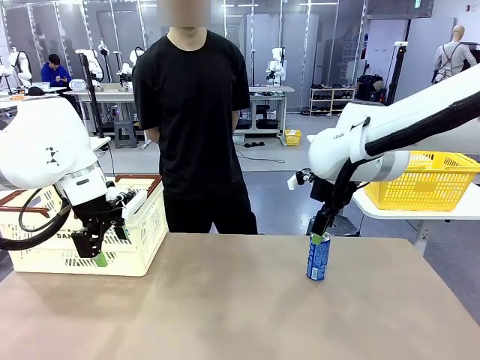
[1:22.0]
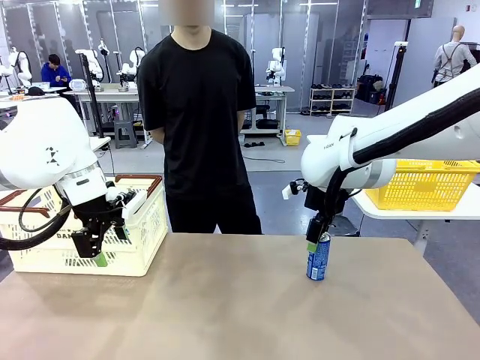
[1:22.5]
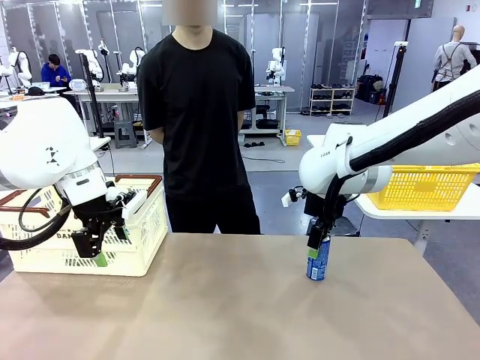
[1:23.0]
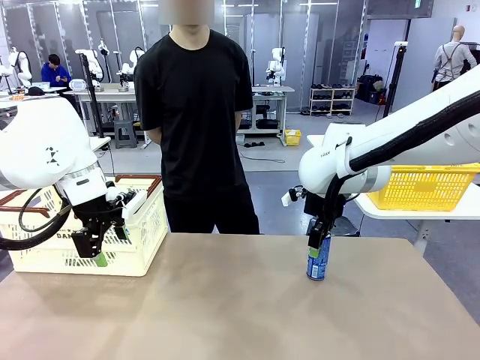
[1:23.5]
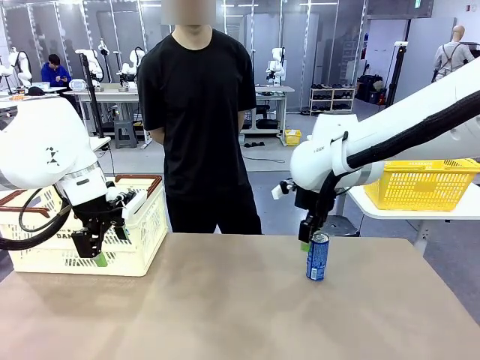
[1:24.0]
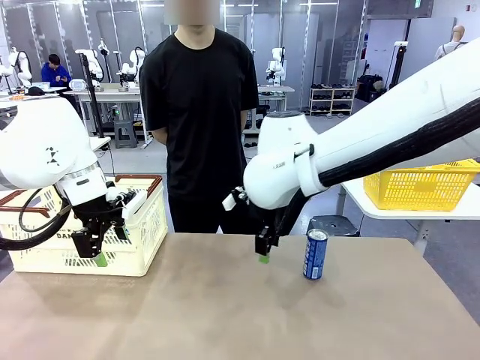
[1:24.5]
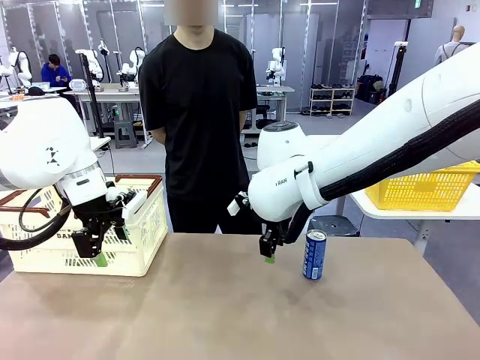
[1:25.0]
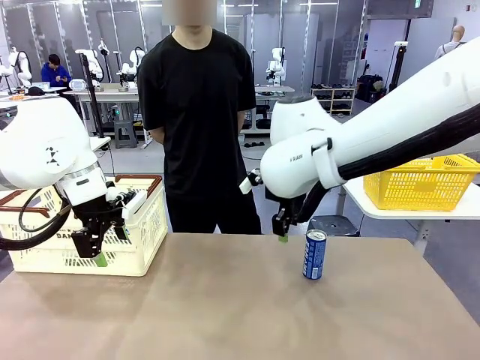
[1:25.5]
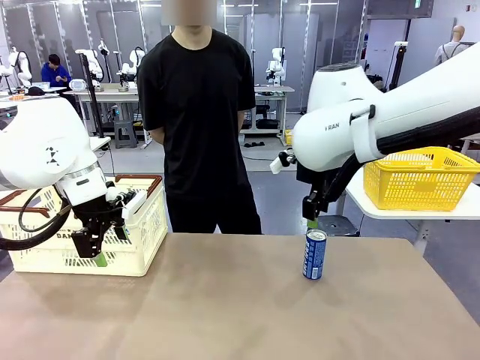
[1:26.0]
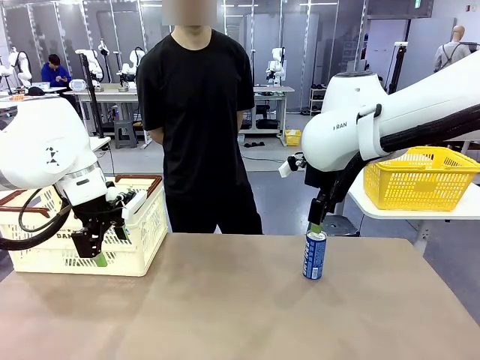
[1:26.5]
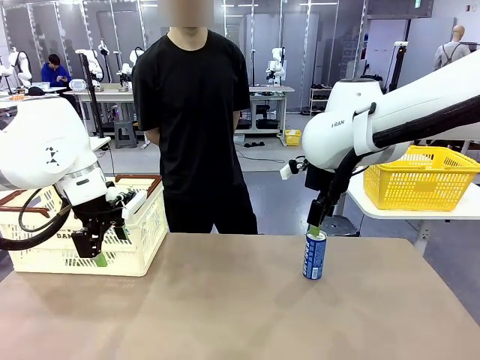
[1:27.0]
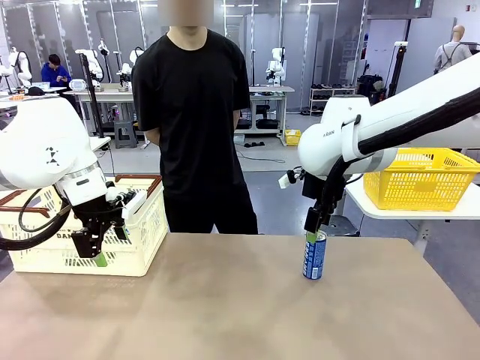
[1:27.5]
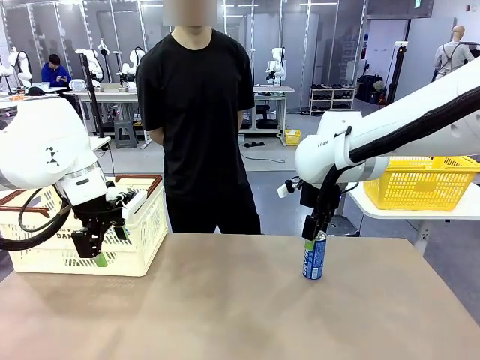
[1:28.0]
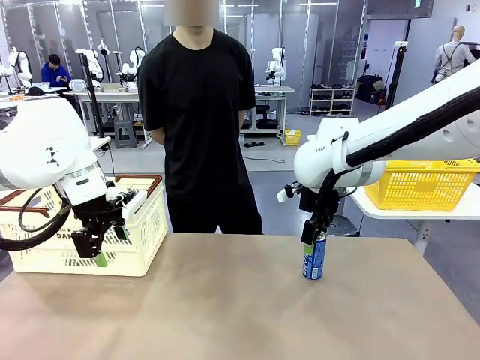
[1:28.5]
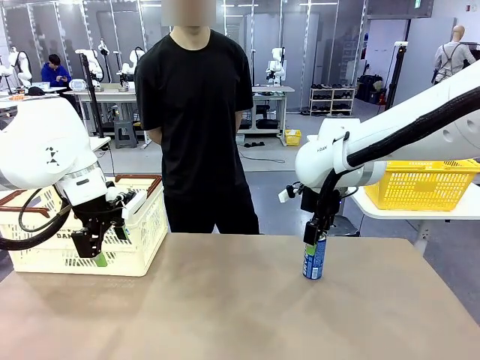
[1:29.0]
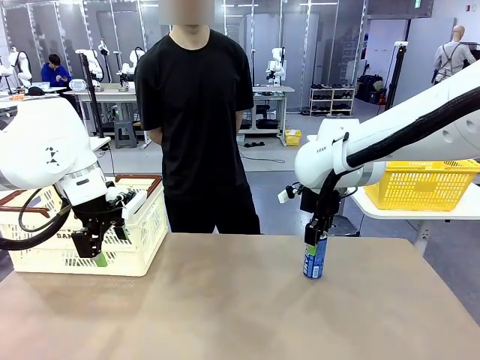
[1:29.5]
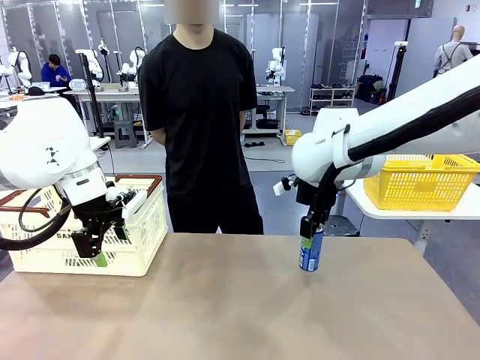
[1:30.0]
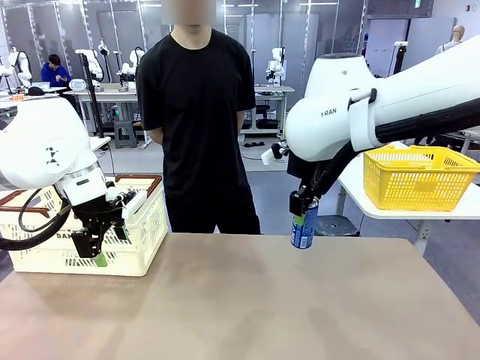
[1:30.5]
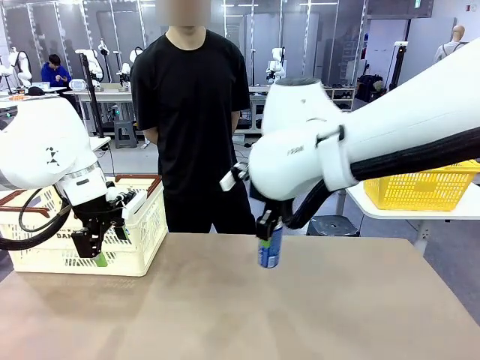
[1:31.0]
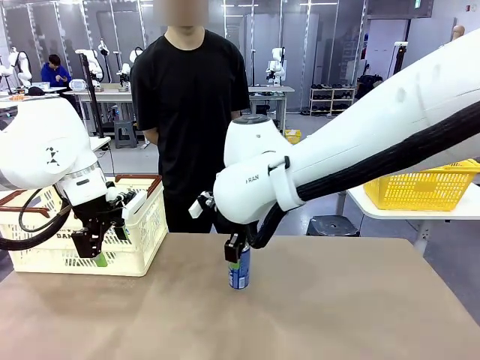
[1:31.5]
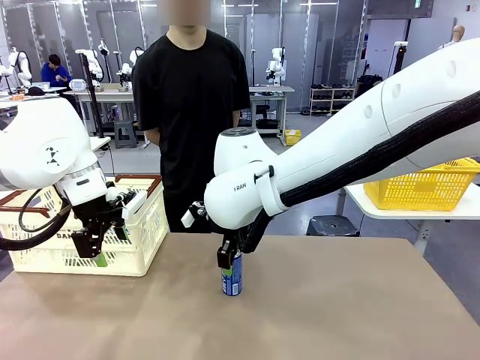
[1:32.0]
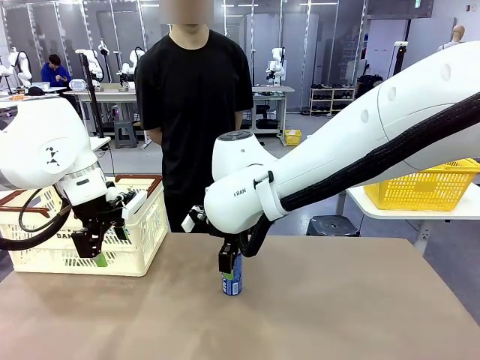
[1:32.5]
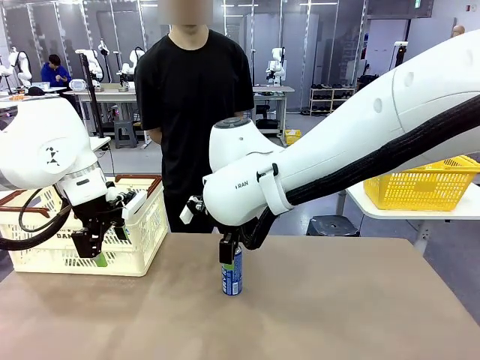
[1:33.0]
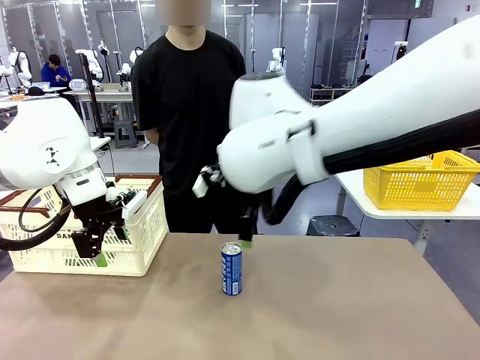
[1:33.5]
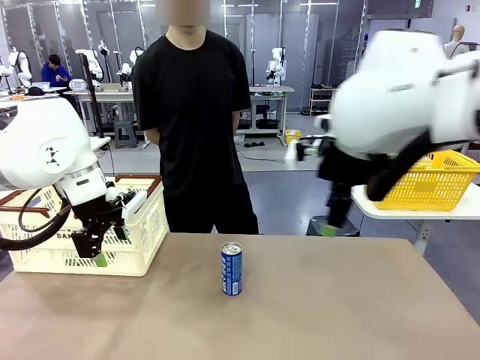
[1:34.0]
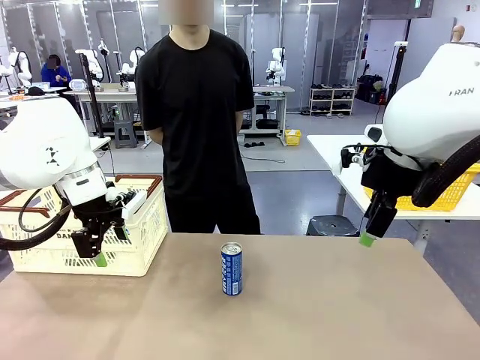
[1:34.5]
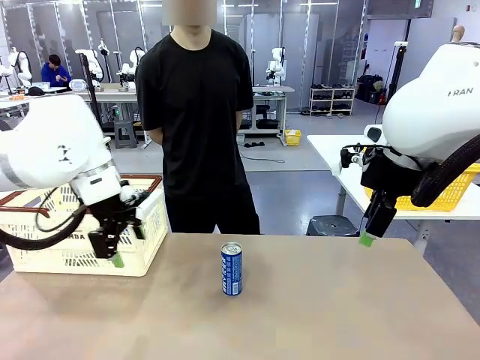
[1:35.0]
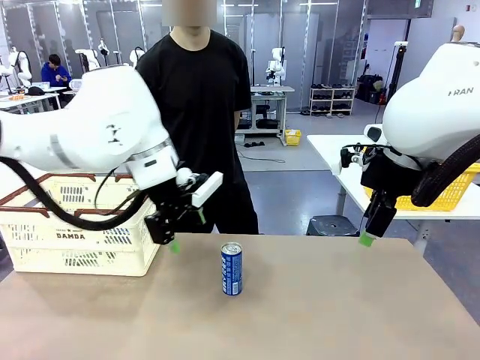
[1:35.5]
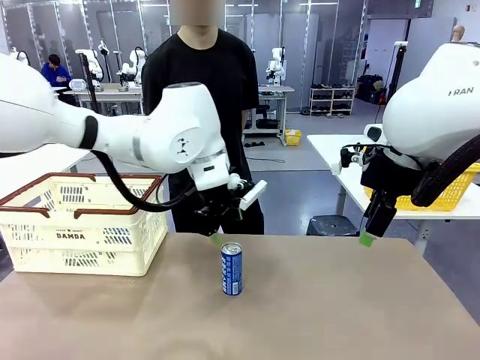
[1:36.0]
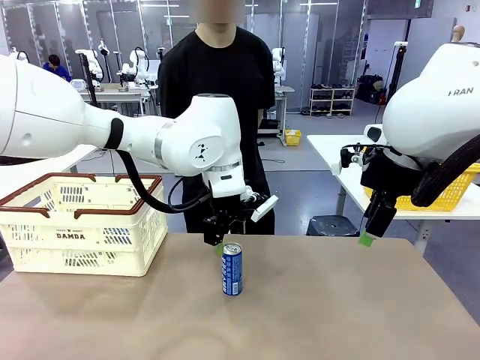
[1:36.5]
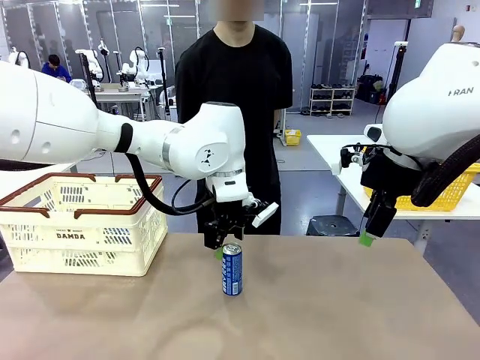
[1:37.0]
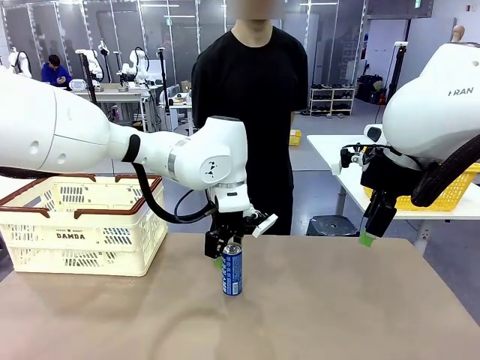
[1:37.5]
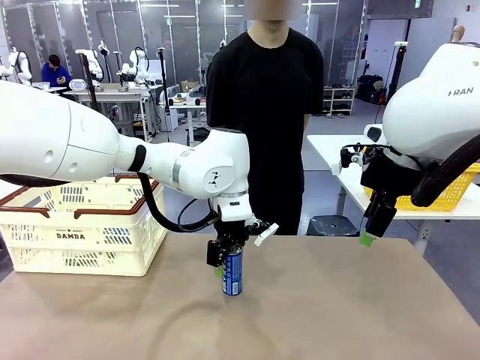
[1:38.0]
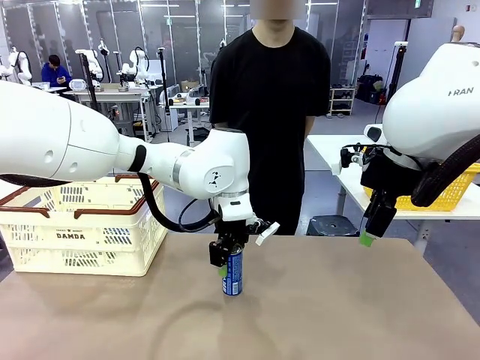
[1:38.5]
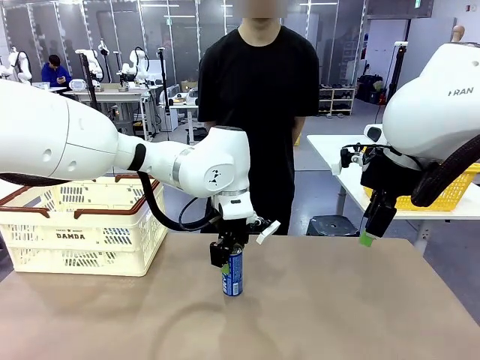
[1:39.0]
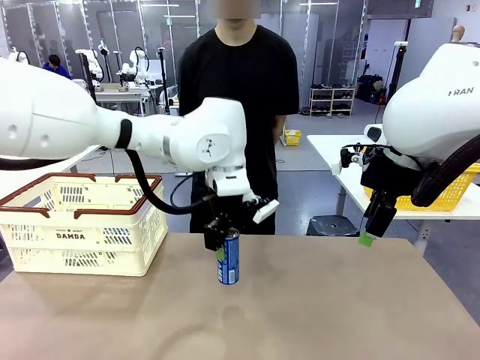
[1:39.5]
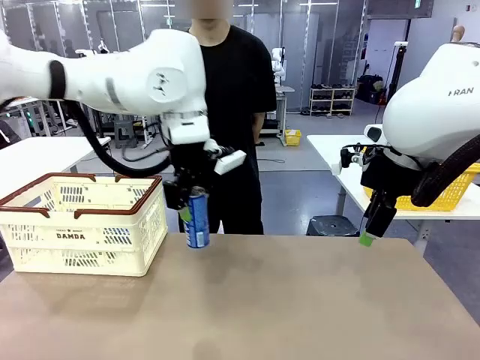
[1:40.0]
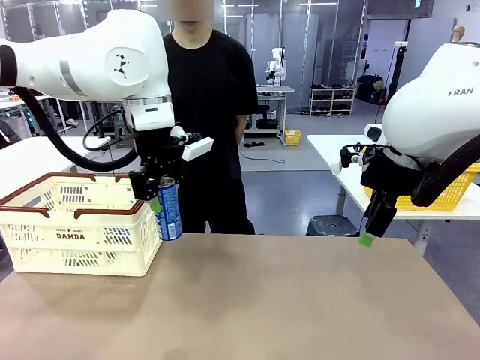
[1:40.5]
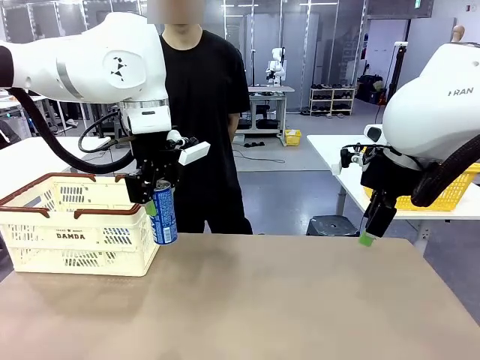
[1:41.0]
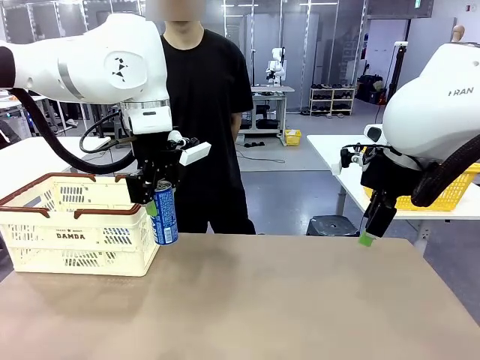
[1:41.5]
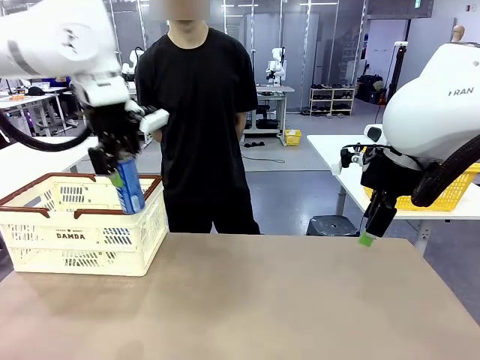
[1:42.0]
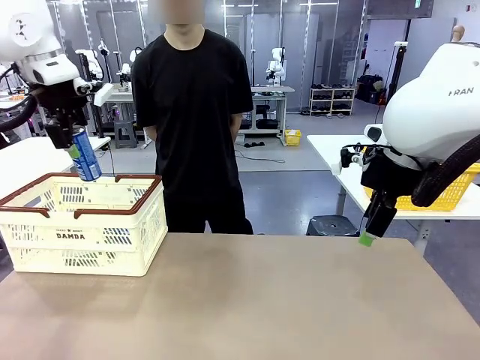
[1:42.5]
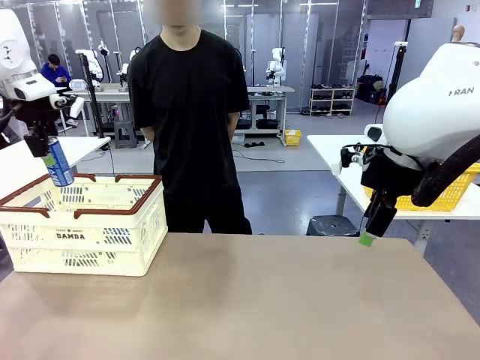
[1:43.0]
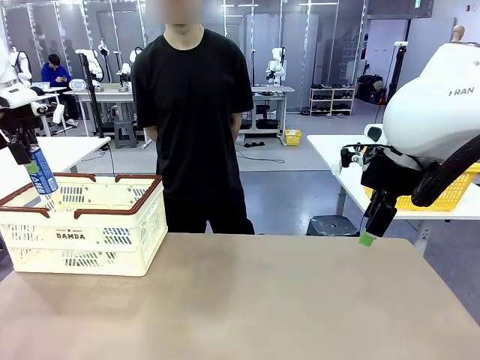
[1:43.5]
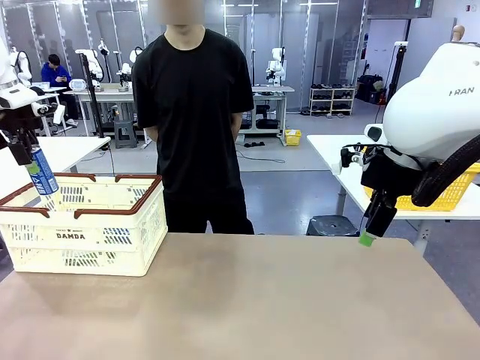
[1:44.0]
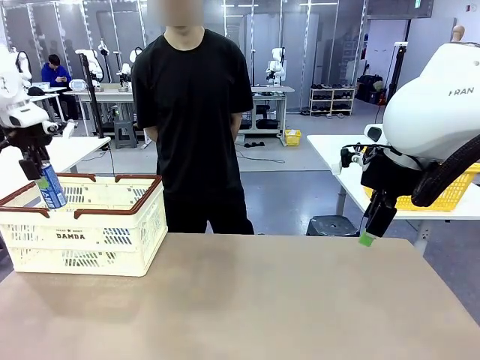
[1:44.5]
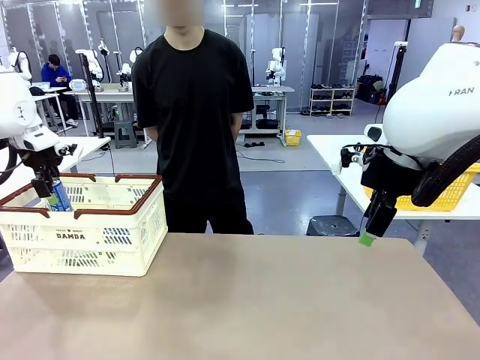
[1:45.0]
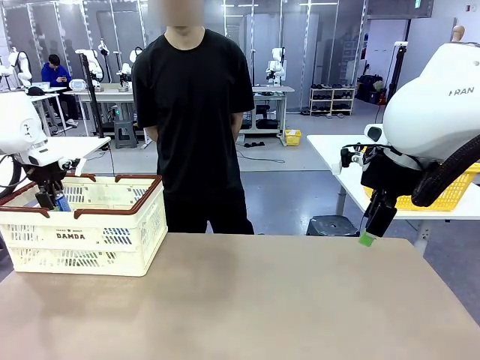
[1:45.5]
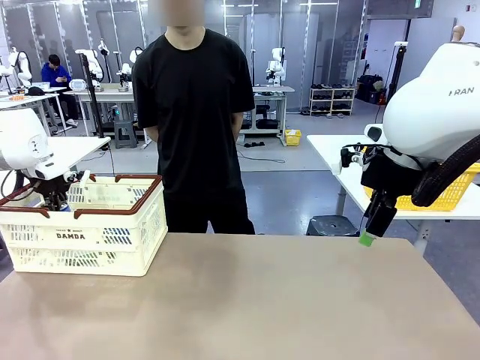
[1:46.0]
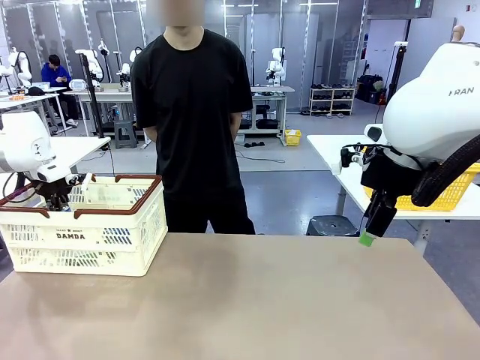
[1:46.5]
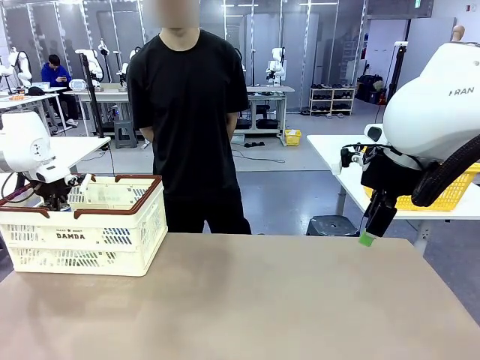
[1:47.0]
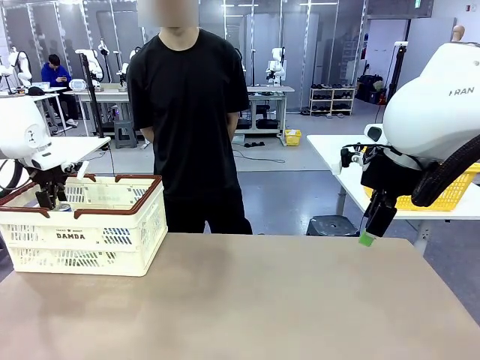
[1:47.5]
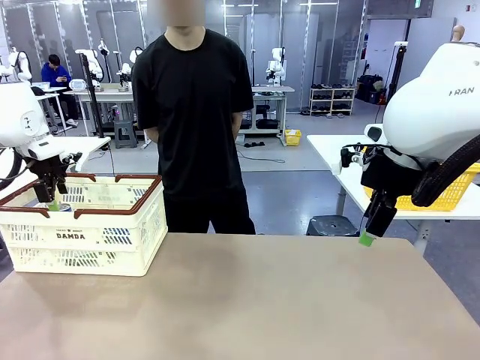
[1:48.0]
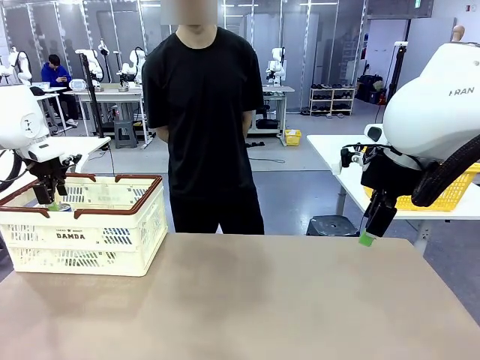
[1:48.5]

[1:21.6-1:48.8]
Task: Place the drinks into the Shopping basket.
Robot: Pick up one drink and place it into the Shopping basket.
